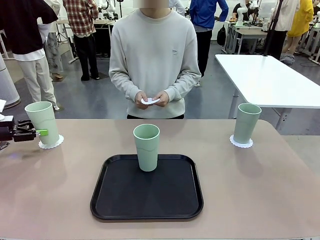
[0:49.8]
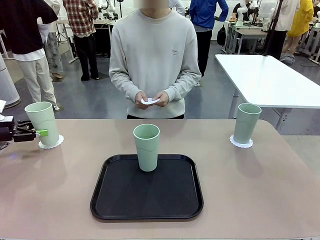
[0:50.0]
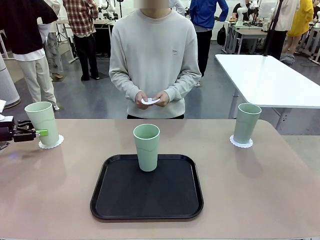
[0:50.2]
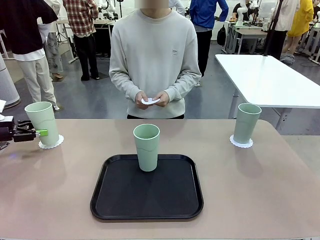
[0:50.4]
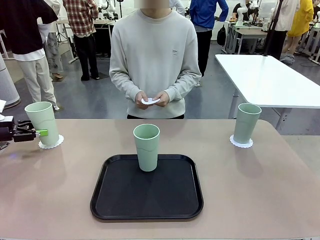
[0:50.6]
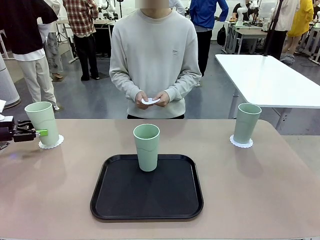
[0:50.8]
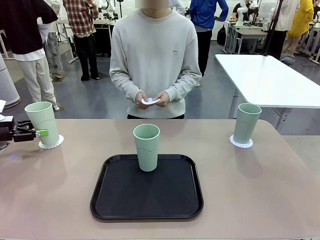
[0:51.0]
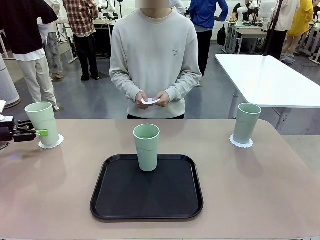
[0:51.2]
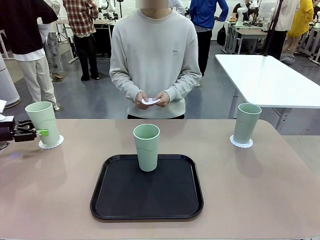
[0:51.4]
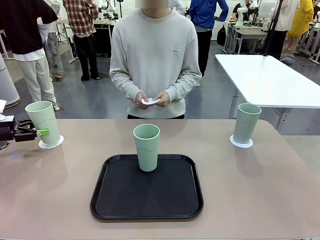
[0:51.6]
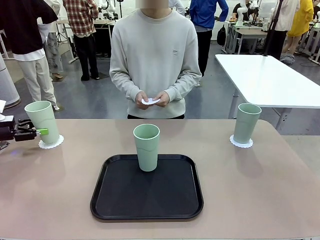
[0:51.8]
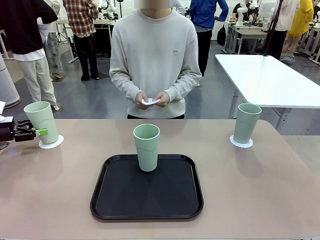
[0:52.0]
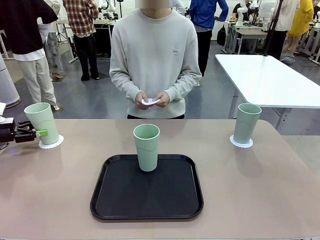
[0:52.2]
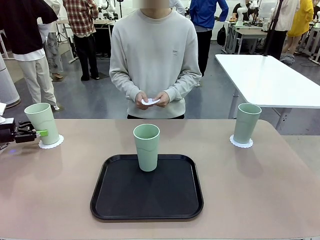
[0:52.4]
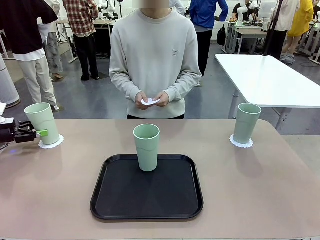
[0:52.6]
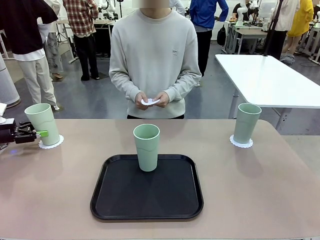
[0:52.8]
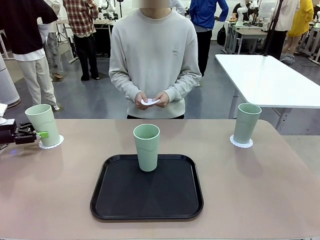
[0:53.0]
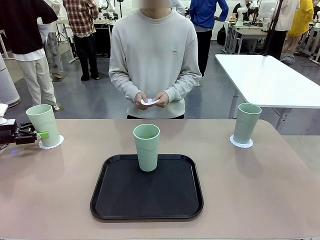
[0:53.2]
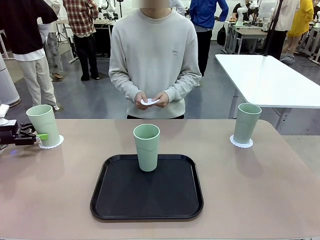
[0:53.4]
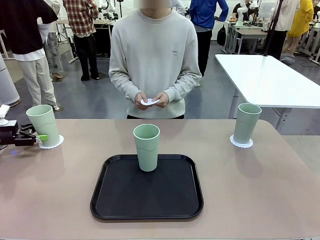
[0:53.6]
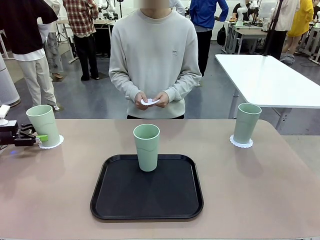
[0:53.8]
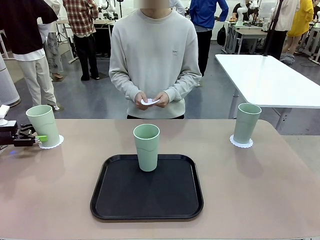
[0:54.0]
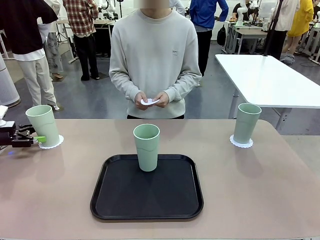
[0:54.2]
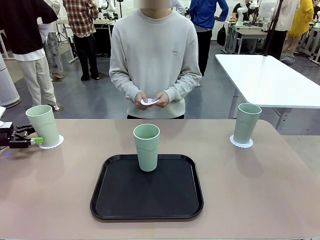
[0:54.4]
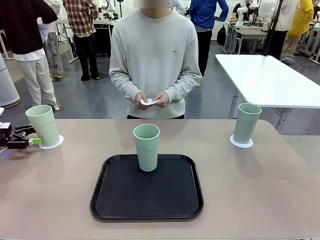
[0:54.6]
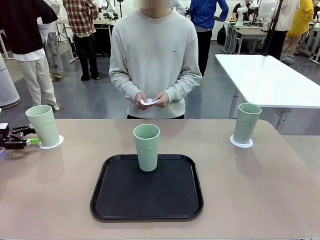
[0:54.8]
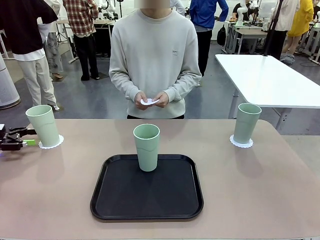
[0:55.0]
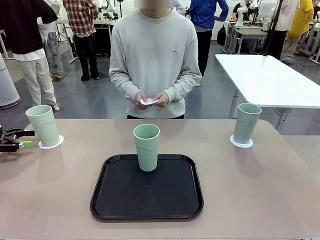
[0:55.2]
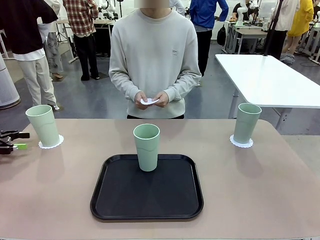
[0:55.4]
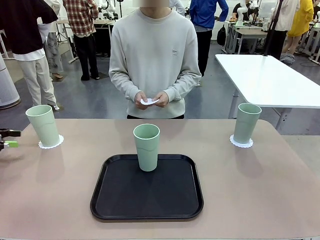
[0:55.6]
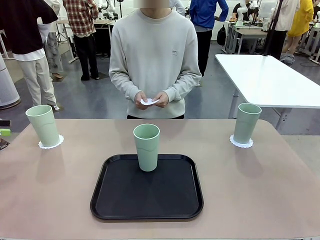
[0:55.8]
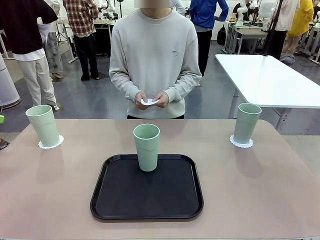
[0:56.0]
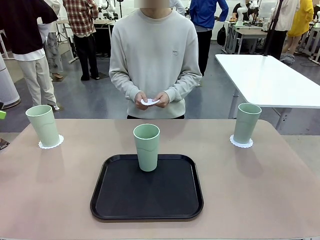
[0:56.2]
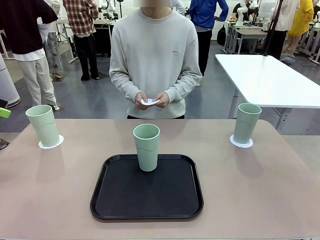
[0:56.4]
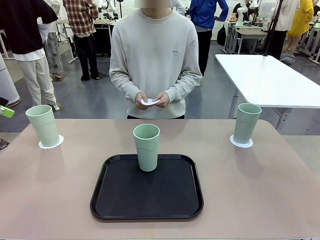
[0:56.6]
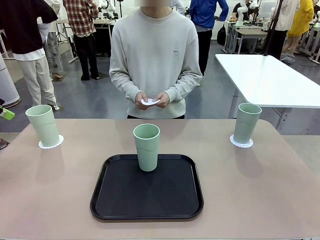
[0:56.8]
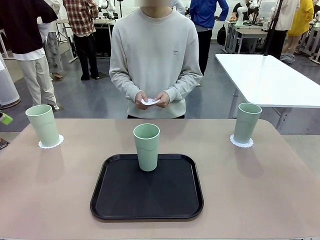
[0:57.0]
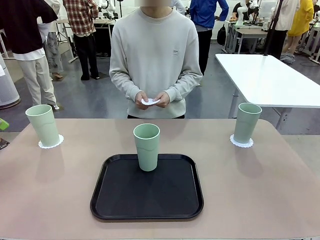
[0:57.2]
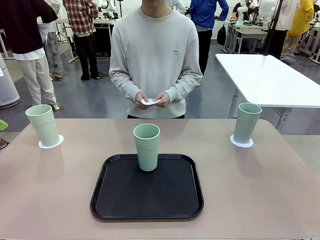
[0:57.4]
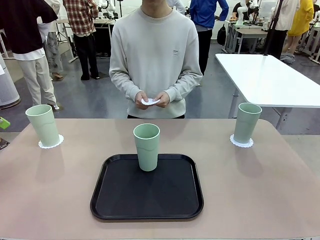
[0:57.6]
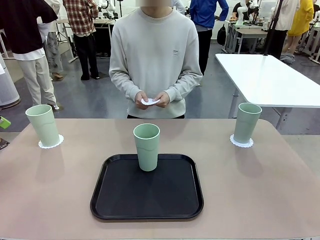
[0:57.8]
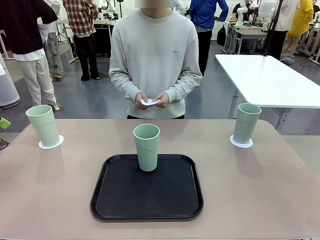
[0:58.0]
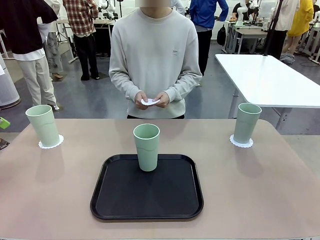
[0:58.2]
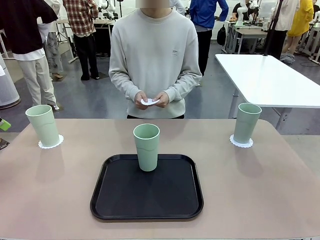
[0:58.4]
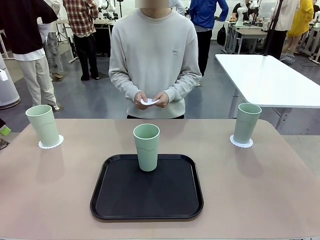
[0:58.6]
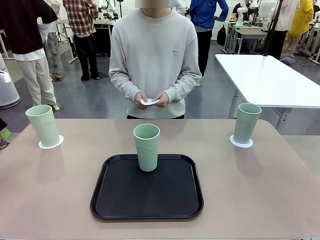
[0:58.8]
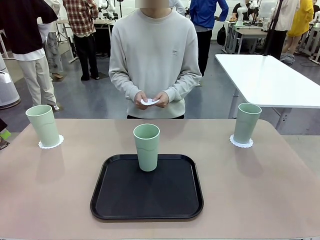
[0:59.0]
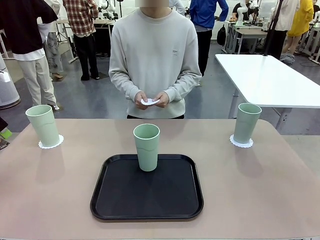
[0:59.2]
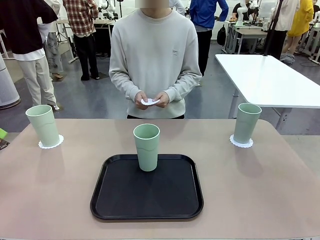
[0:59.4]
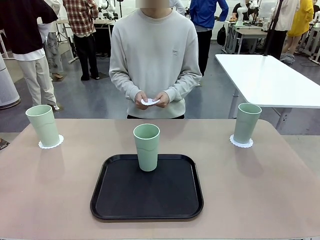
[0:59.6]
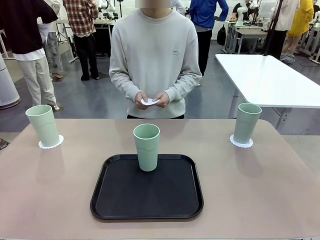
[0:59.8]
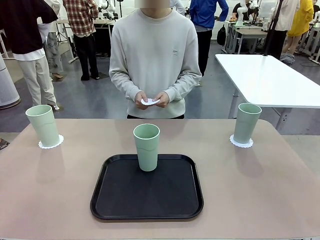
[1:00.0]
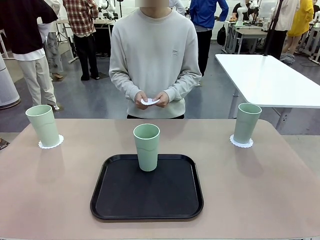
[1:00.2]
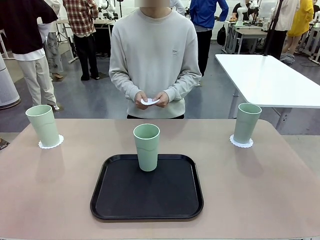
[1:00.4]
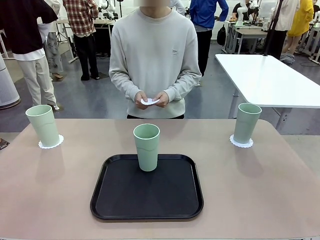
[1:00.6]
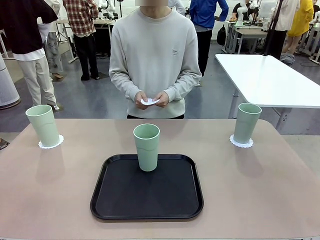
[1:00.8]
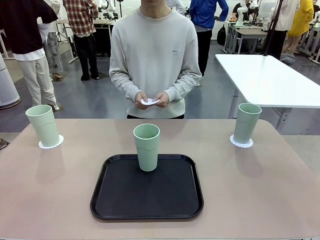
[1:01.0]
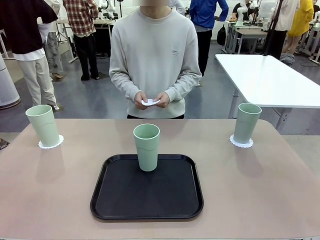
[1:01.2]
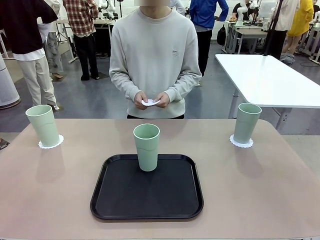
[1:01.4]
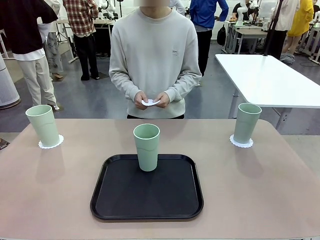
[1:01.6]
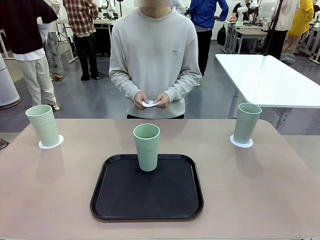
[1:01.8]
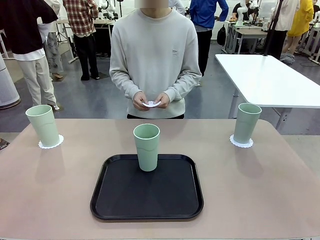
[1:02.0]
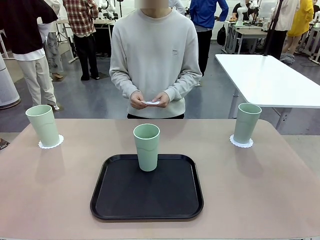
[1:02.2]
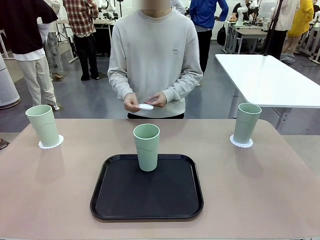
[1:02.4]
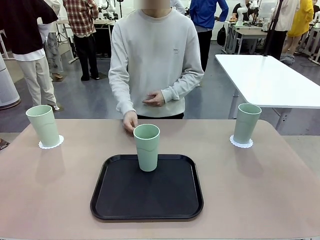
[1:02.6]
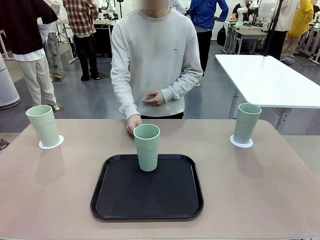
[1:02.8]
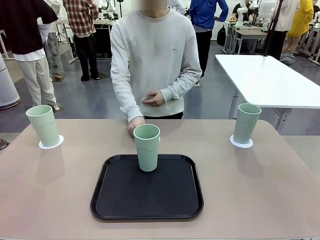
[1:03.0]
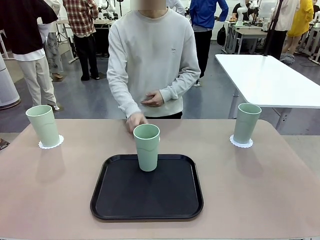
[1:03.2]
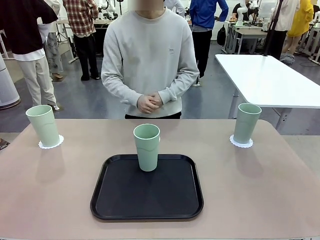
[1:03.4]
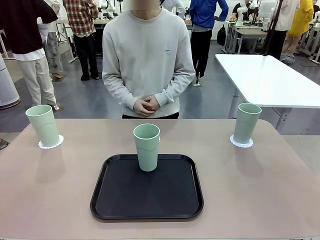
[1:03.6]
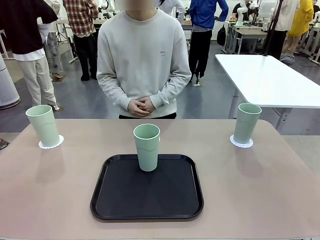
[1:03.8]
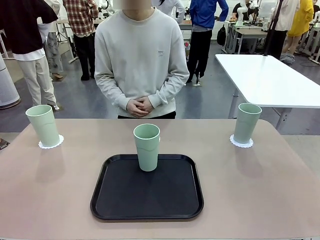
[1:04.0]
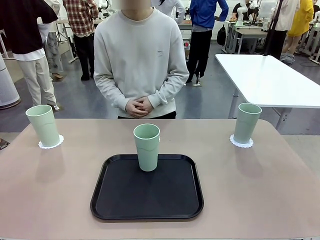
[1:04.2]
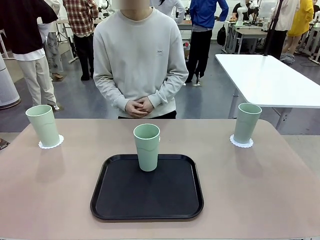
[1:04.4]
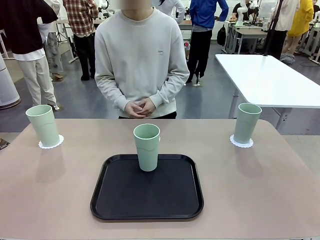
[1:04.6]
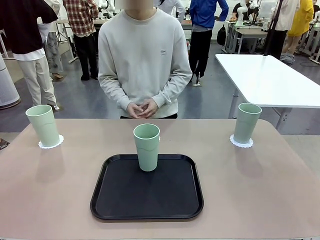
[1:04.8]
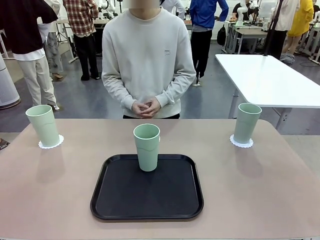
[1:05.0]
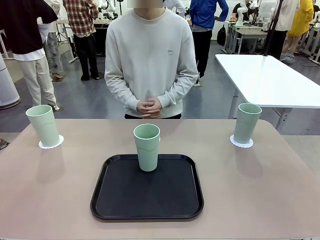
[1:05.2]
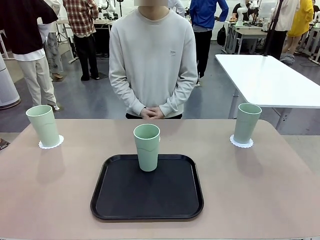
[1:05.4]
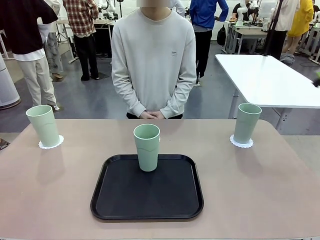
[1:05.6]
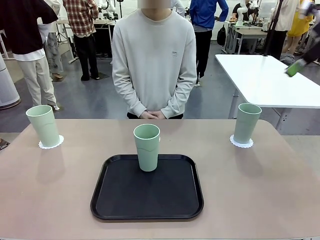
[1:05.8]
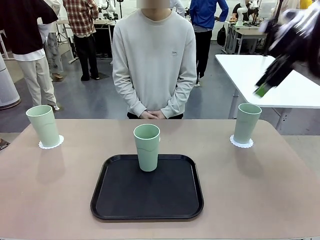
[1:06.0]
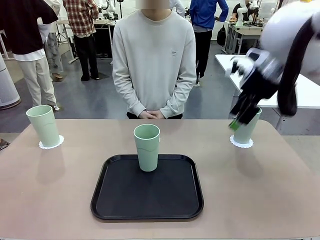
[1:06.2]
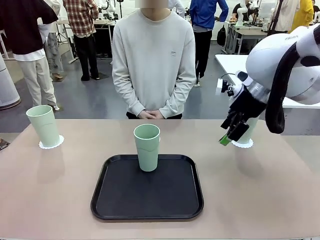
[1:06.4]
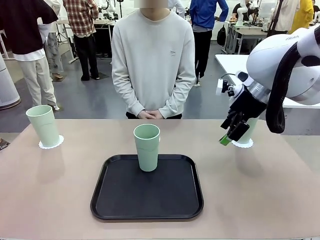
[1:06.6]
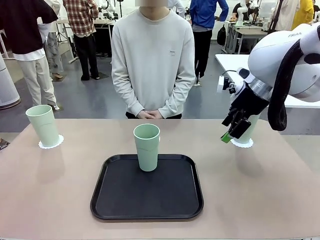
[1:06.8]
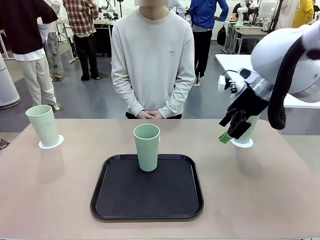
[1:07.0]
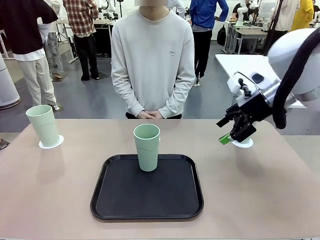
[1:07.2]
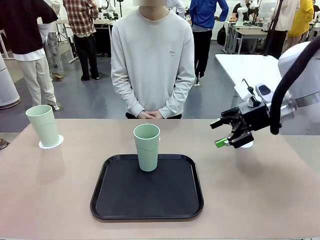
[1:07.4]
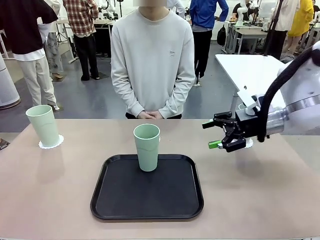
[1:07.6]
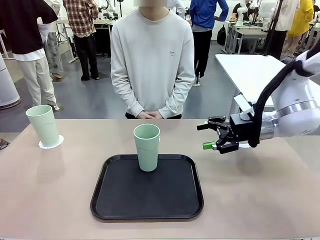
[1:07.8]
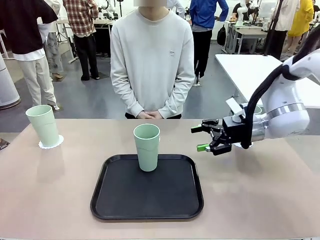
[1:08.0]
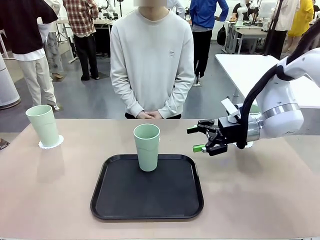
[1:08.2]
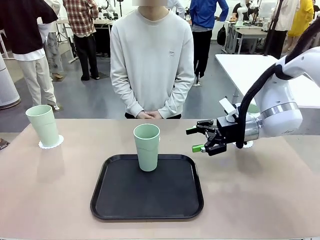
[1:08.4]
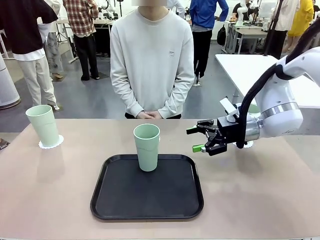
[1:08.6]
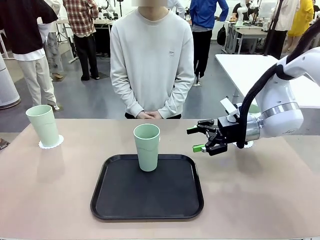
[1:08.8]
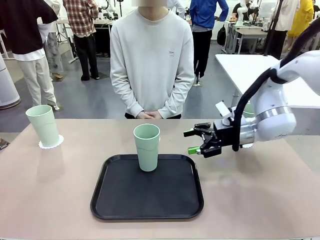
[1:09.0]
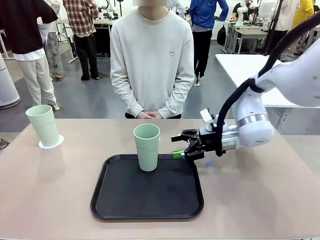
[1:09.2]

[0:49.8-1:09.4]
Task: Place coasters on the table and set cups on them.
Robot: Take one Reusable plastic cup from the Flat Tray and place it on a coaster set by the human.
